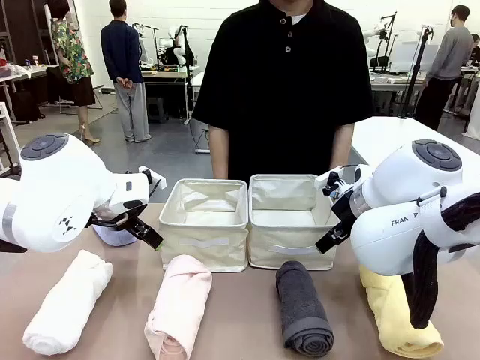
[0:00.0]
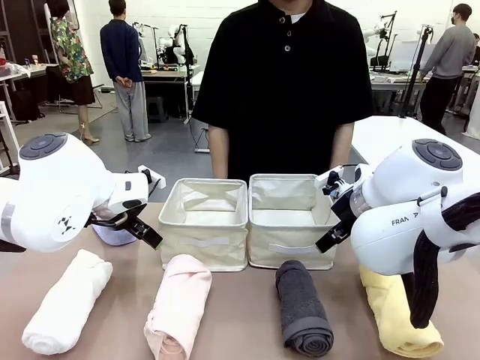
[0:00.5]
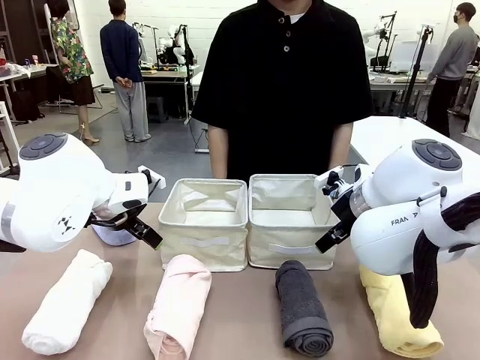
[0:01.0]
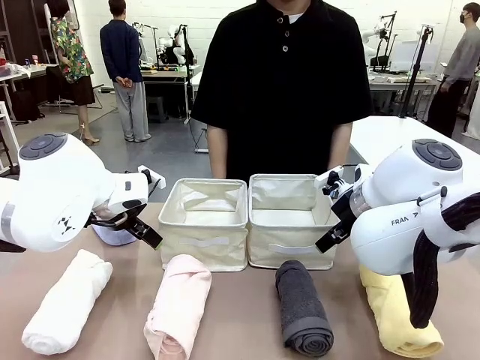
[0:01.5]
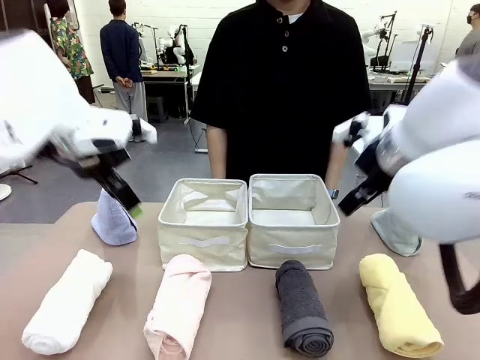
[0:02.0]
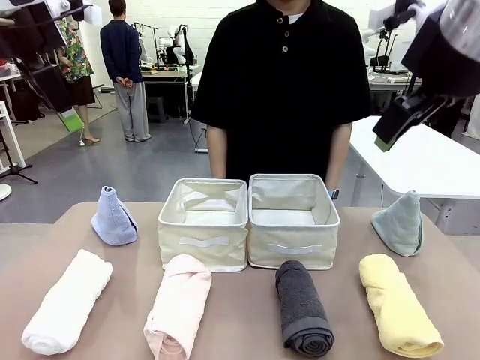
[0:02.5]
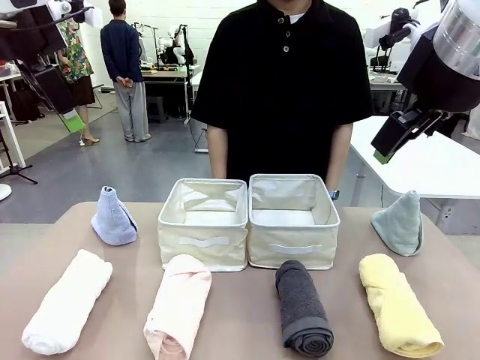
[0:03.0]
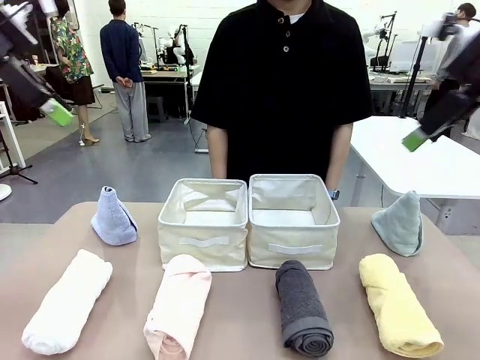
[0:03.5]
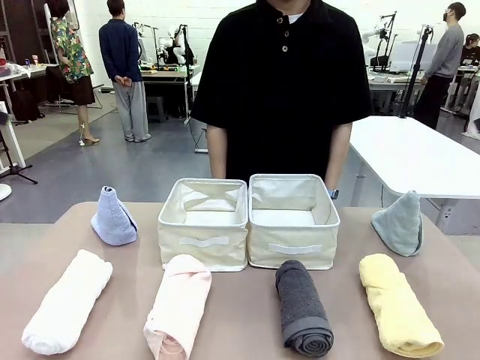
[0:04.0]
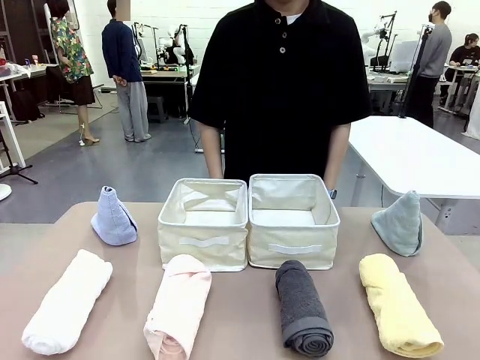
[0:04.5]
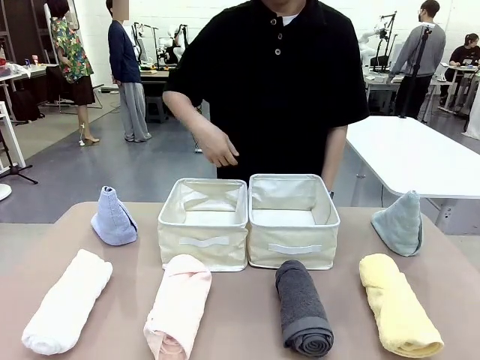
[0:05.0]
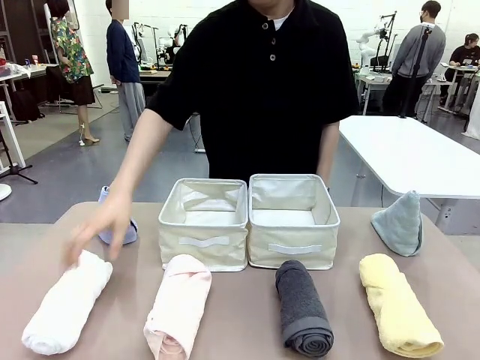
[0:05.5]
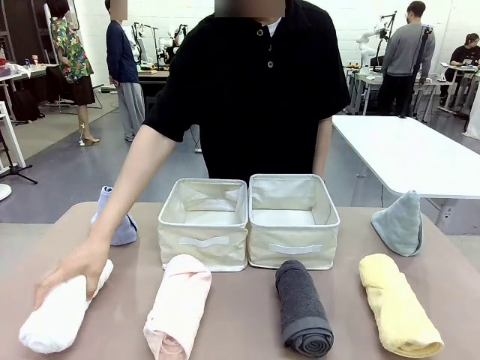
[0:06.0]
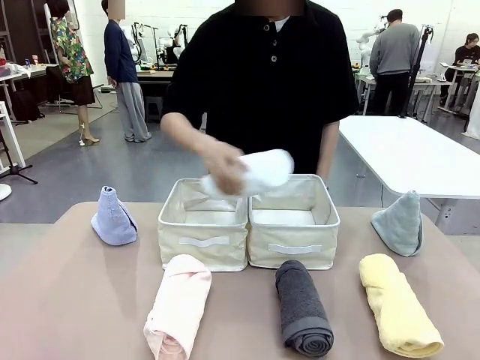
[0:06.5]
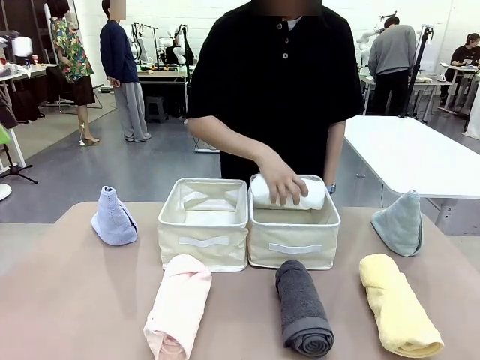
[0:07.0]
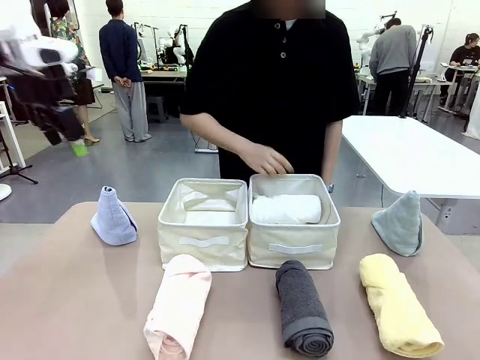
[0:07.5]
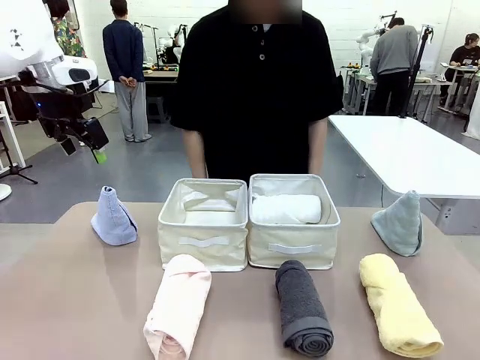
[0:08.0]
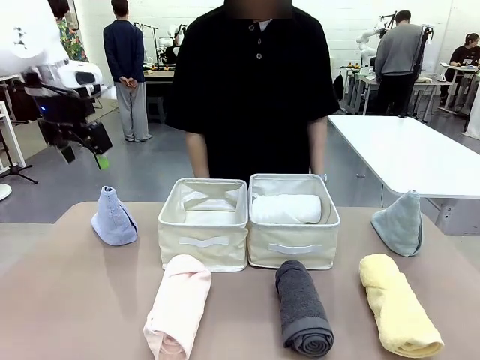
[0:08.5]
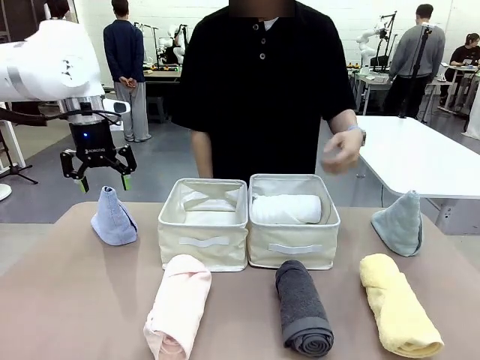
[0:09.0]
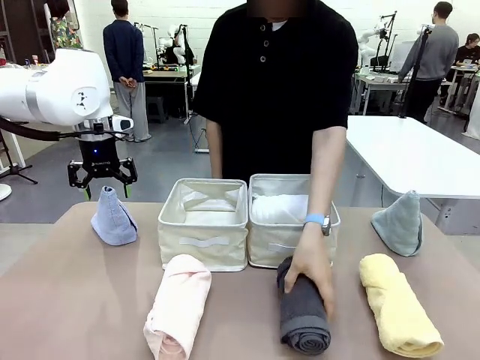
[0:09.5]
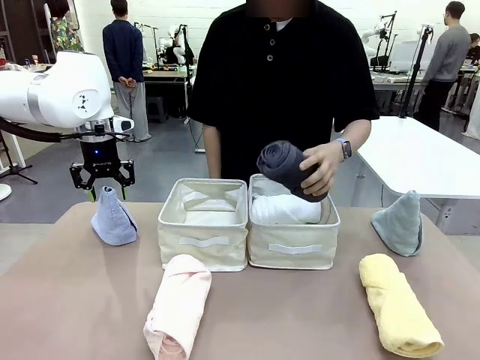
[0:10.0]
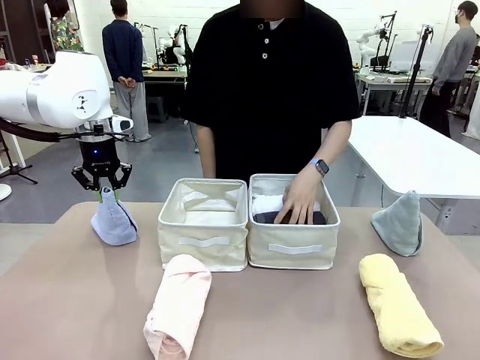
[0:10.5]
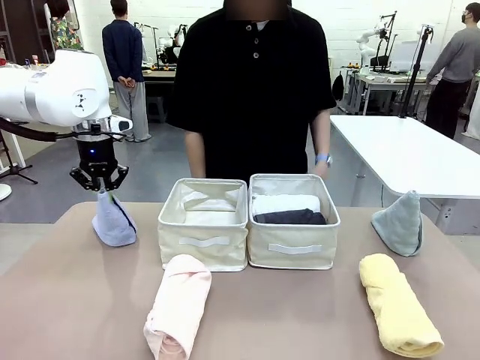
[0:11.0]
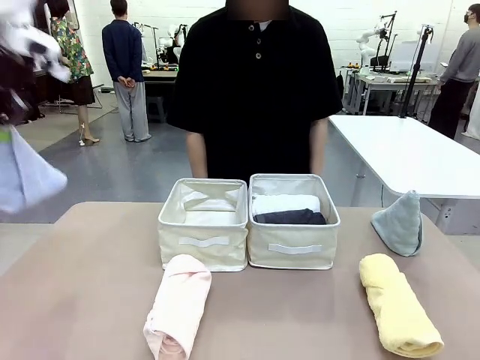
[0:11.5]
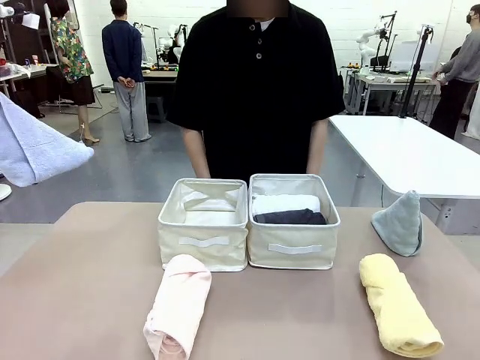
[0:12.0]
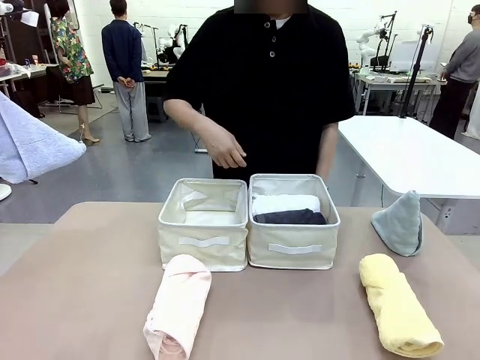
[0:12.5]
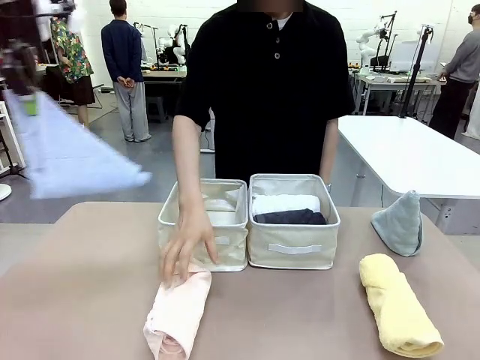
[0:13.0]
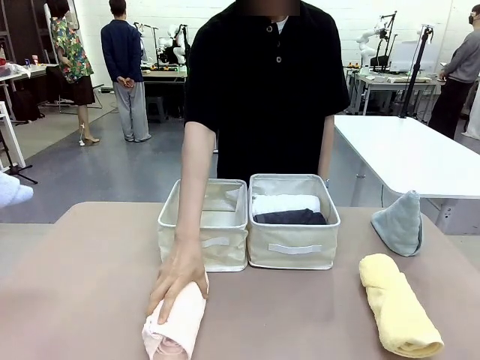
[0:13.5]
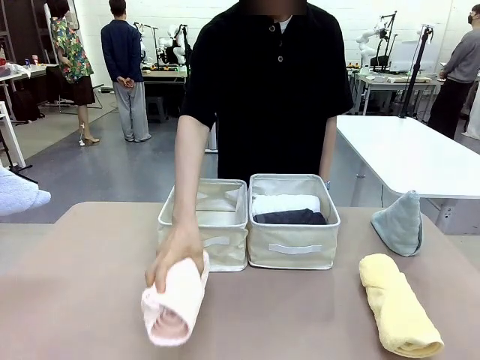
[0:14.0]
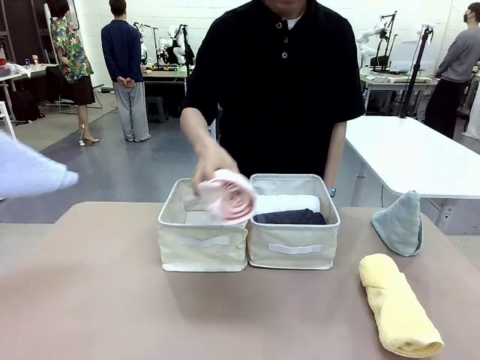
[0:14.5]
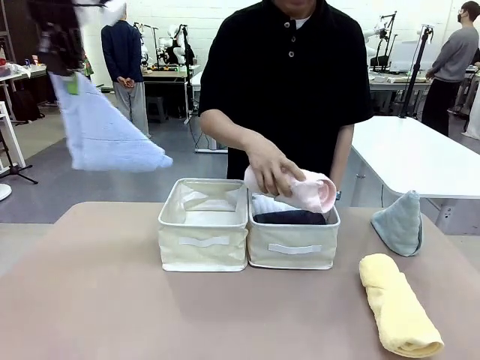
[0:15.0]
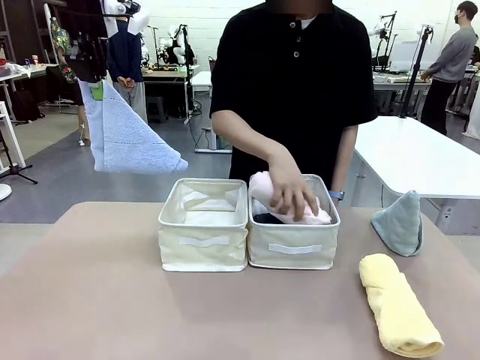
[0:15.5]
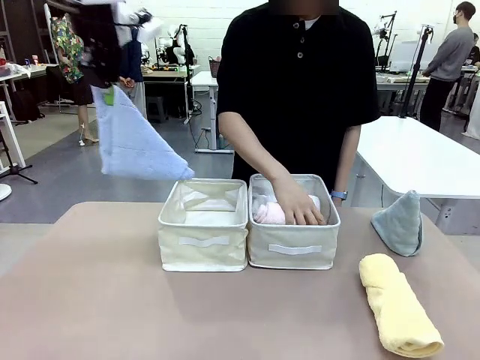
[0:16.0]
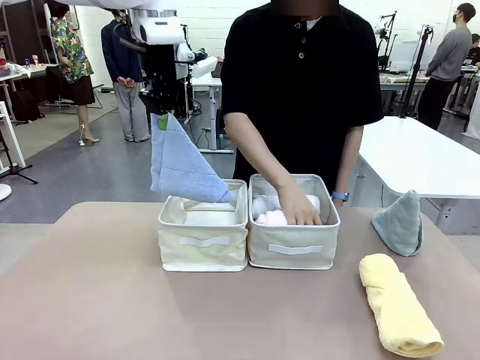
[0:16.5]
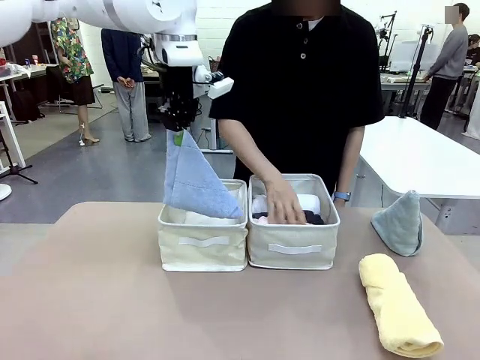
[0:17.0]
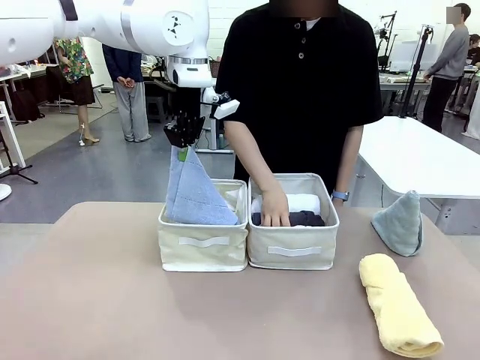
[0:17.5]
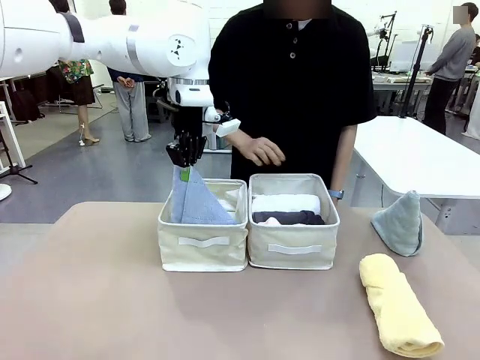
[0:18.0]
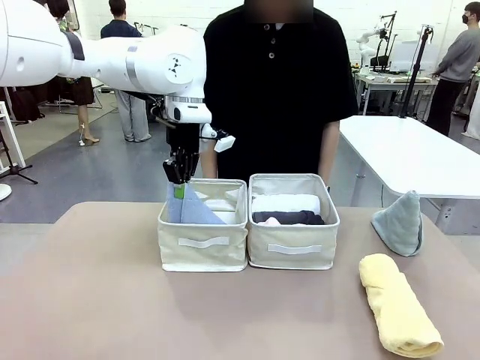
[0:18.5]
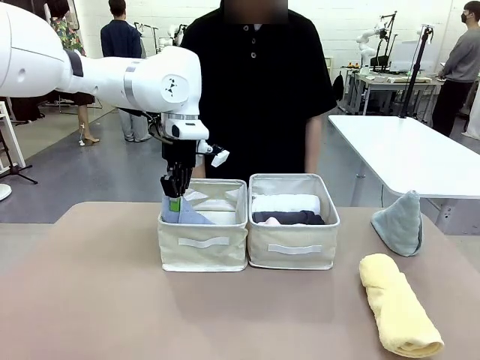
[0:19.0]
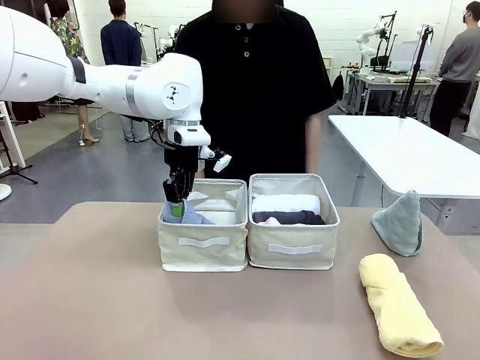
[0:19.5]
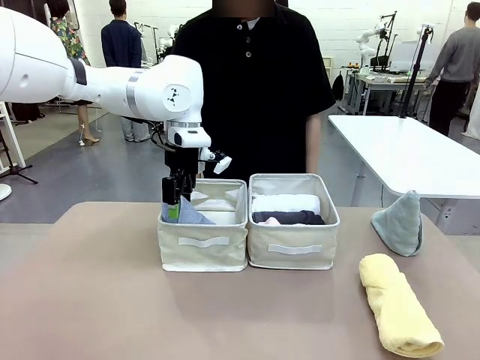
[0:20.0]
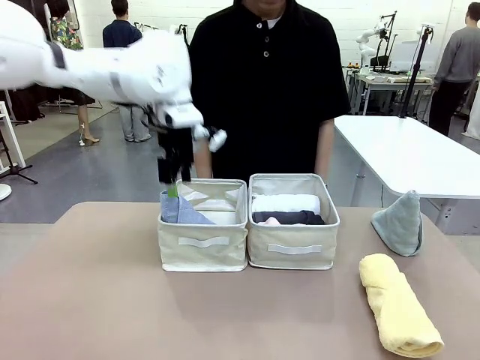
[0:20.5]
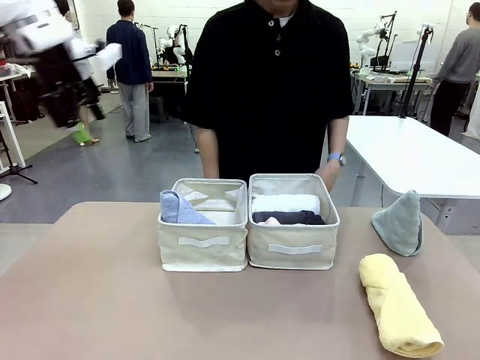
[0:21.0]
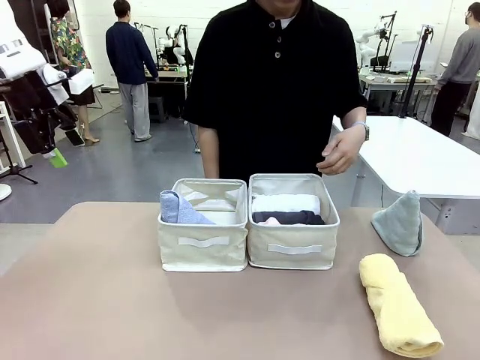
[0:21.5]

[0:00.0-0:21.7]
Task: Sort the towels based on their folding style.
Robot: Pick up one triangle-folded towel and place it in the left Fabric basket.
Person: Pick up one hotel-style rolled towel and place it in the left fabric basket.
